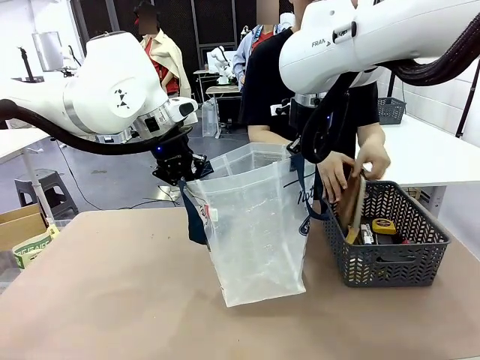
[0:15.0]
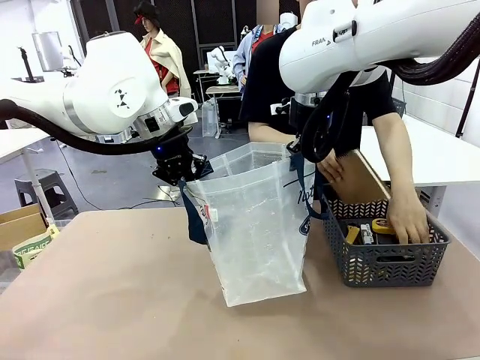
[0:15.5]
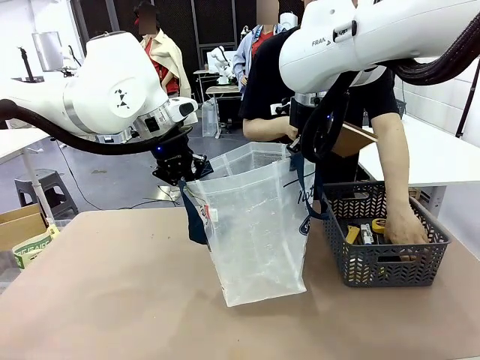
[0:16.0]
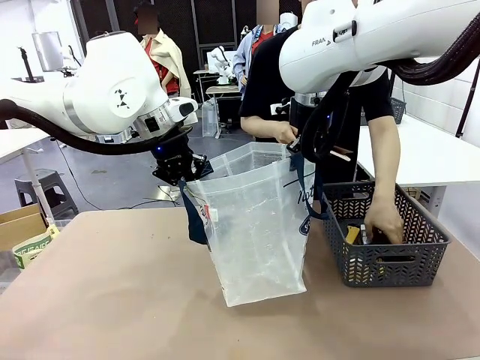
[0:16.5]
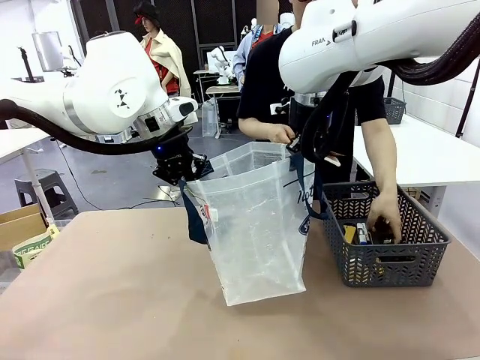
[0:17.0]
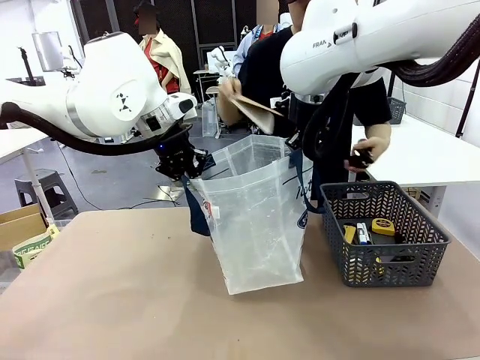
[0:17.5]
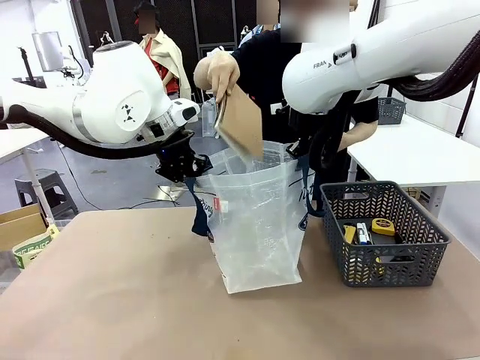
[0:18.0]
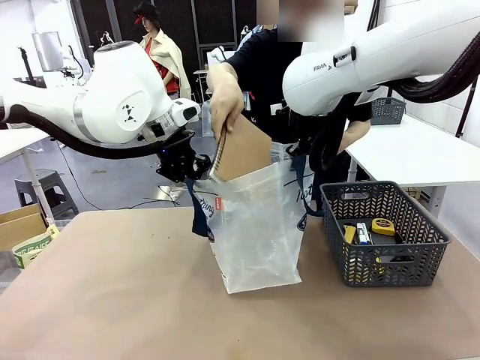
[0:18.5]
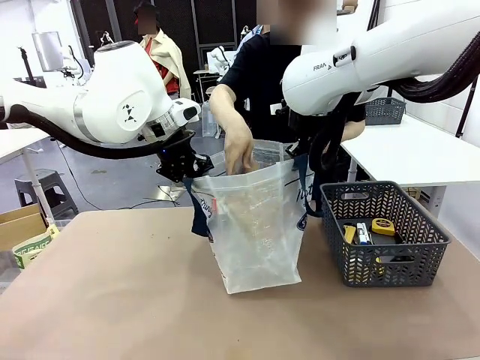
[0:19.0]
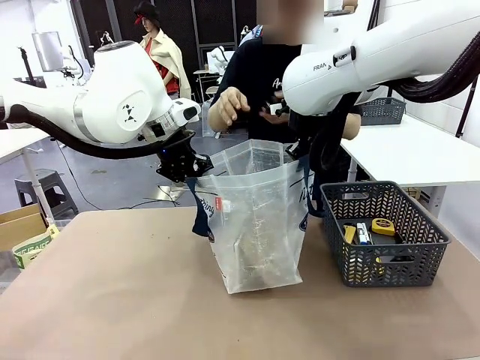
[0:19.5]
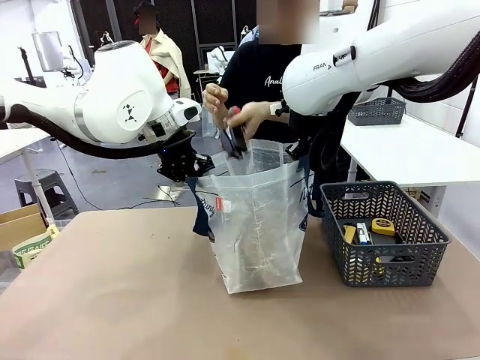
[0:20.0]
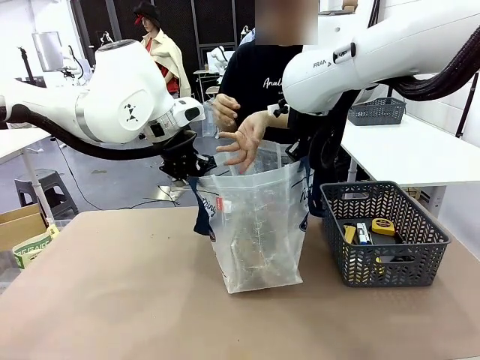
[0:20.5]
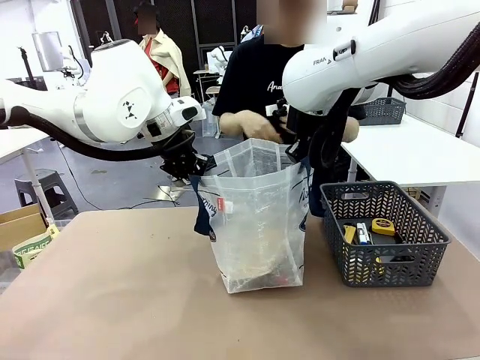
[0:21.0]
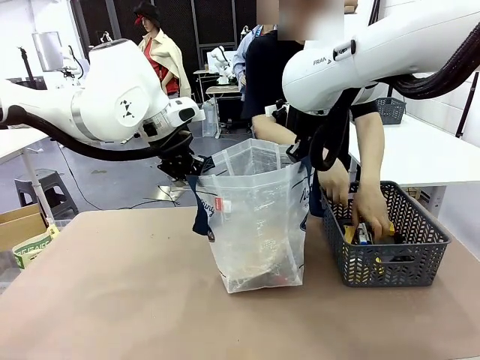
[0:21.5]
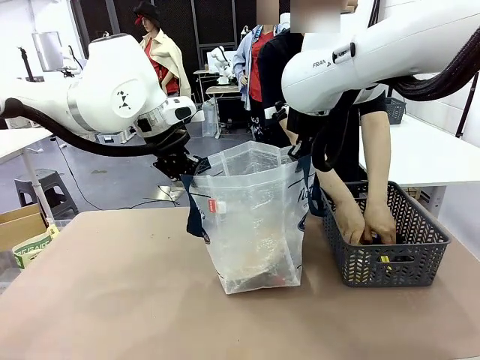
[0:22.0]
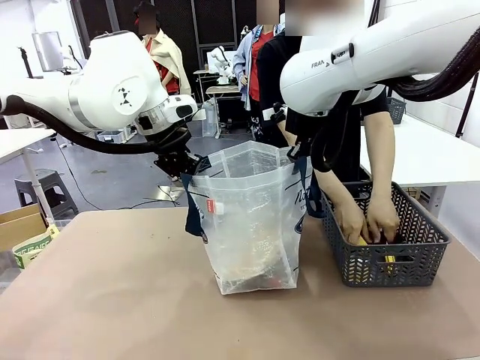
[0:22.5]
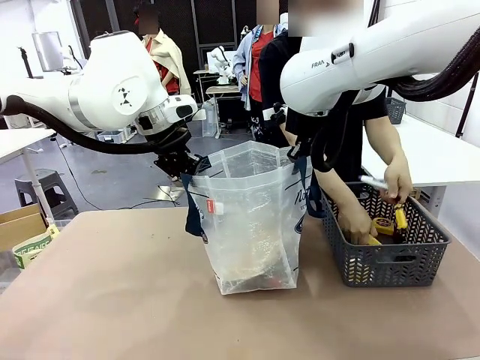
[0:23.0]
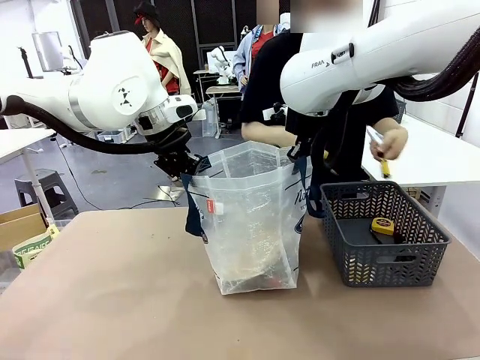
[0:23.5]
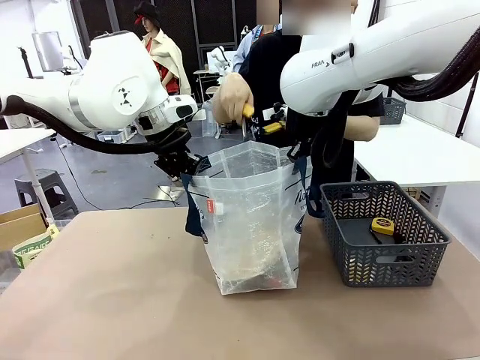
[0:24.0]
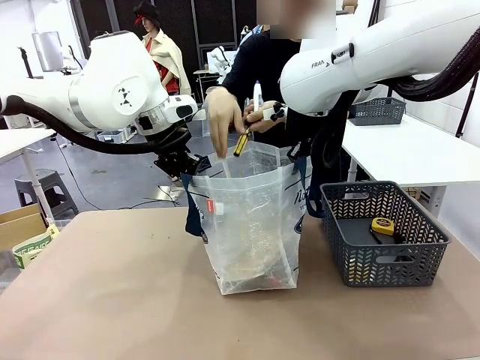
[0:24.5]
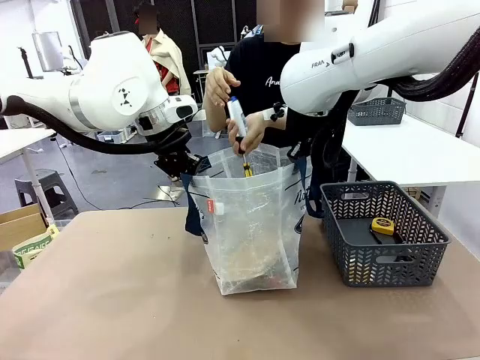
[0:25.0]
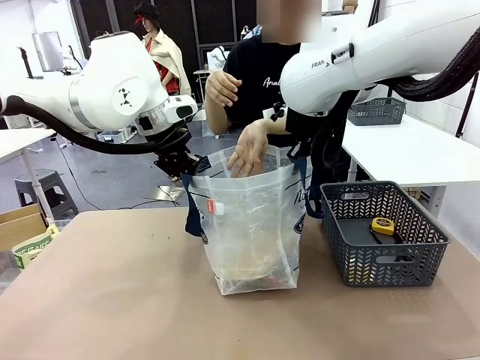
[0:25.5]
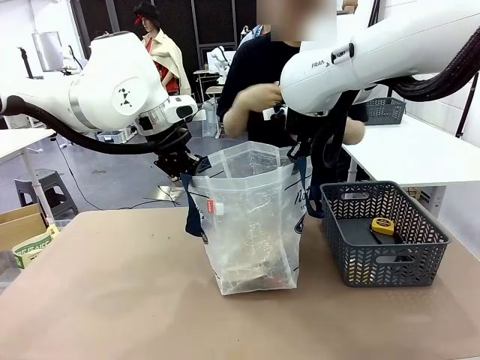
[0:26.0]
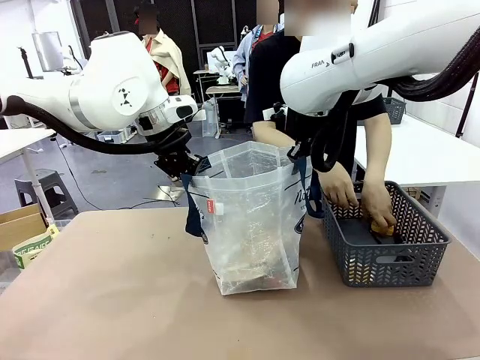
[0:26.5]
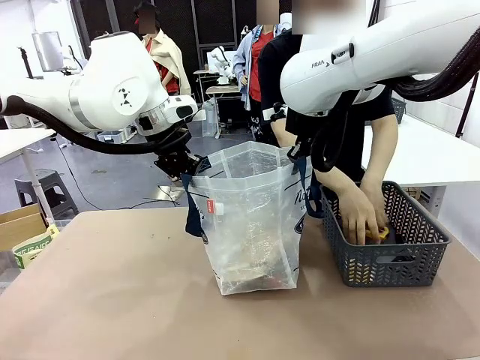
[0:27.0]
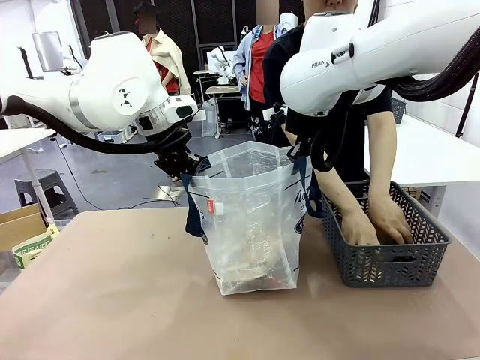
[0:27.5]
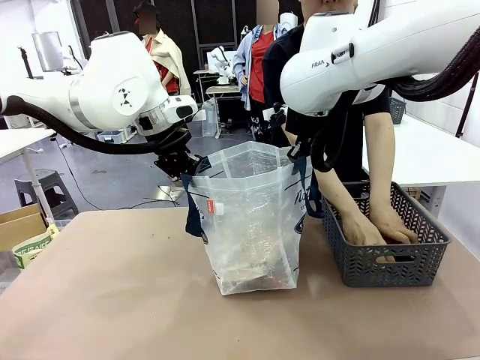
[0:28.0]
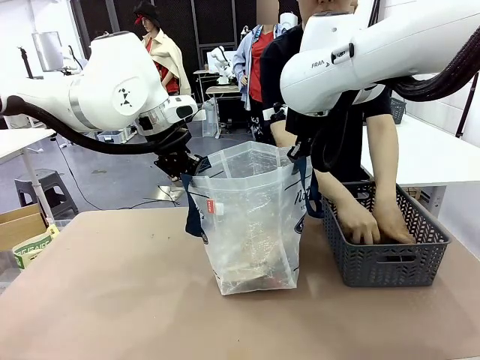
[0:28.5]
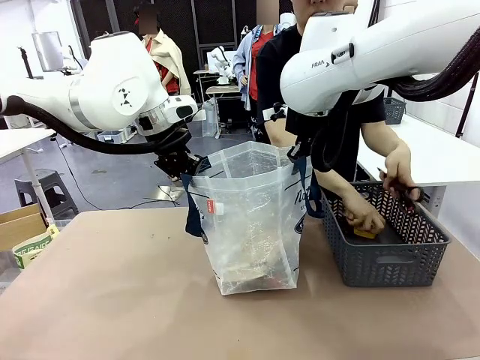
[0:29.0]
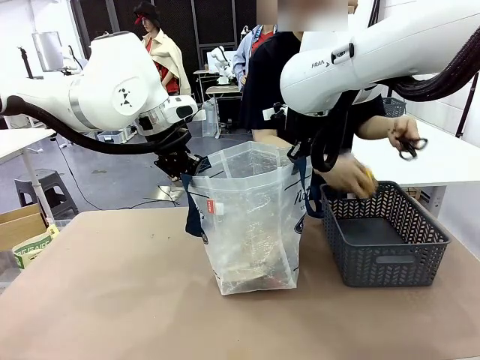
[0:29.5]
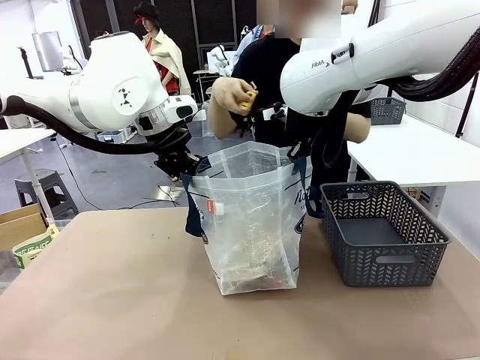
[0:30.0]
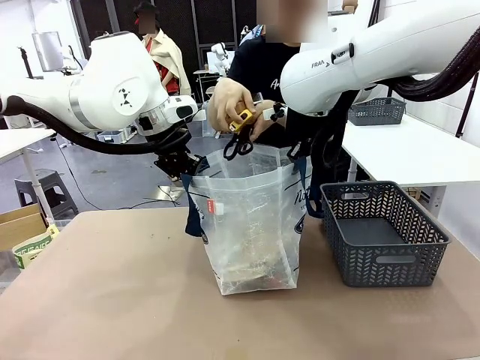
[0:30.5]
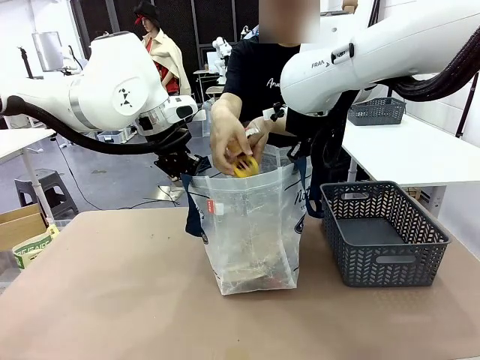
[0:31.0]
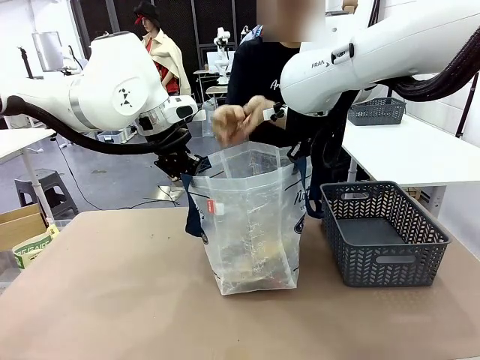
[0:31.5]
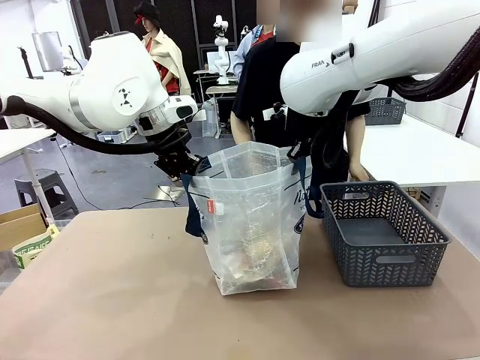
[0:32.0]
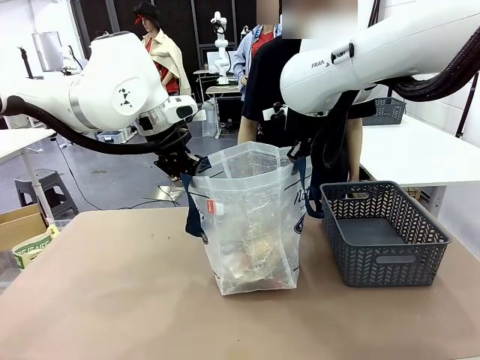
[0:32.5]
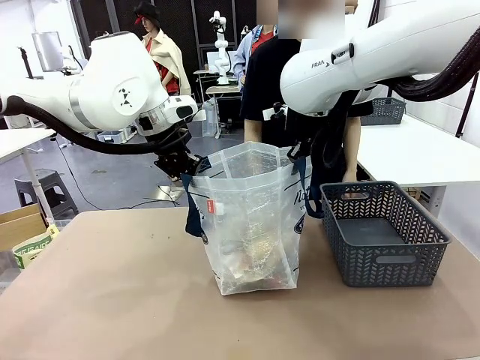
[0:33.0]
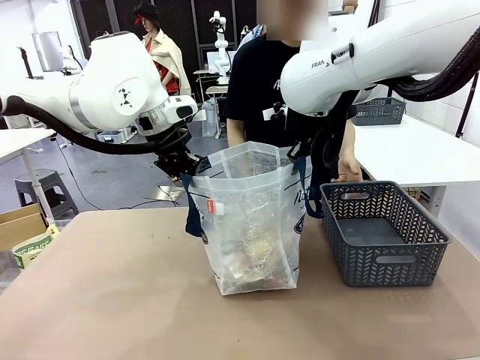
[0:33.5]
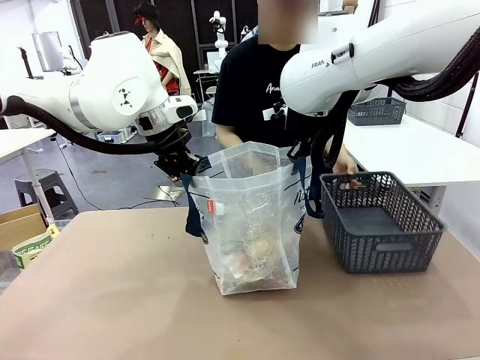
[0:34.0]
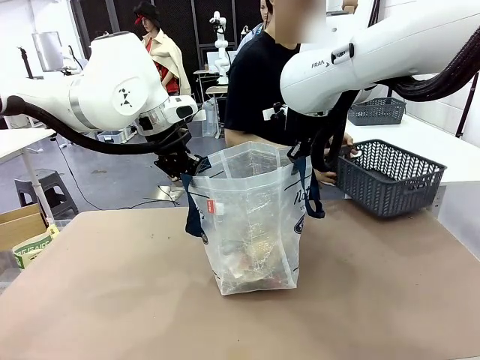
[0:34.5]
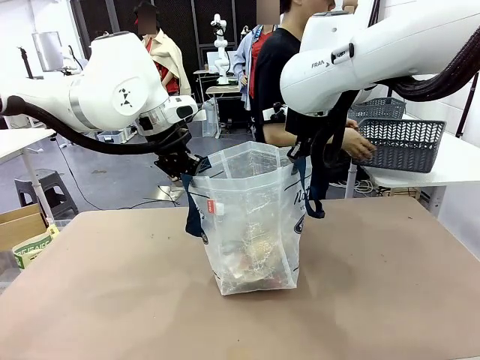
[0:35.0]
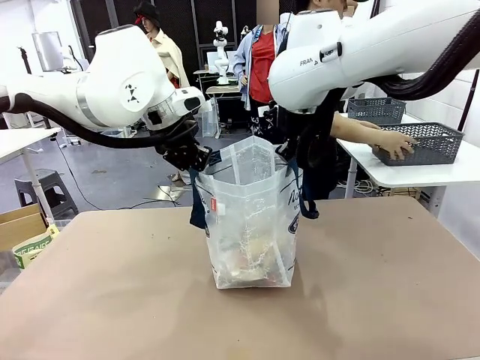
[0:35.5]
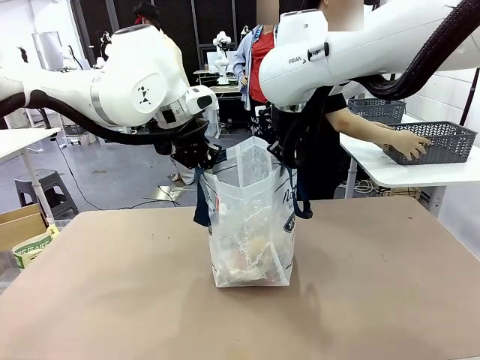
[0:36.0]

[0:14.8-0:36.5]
Task: Transfer purchased items from the store into the shopping bag.
Robot: Move the Reusable shopping bag to the right side of the table.
Person: Pick up the basket on the right, place it on the left side of the robot table, and move the items in the basket to the shopping bag. Pick up the basket with the items out and place it on the right side of the human table.
